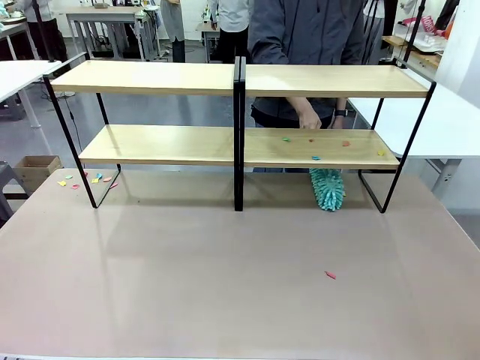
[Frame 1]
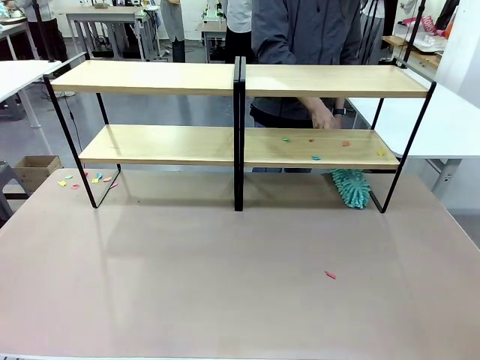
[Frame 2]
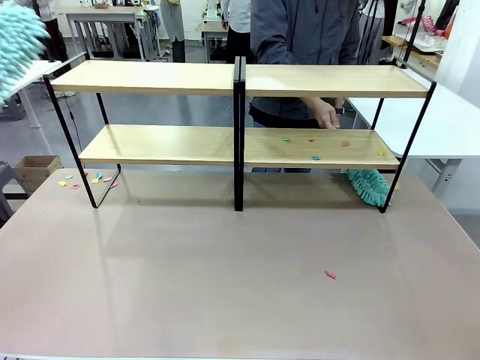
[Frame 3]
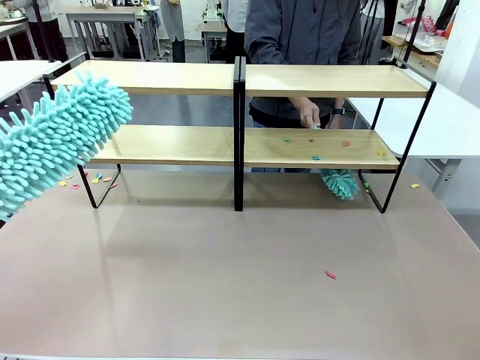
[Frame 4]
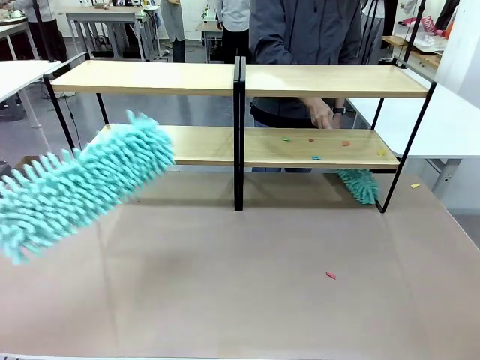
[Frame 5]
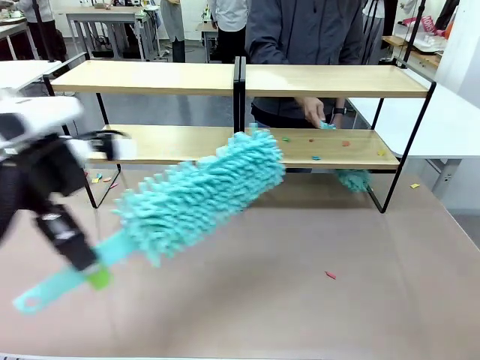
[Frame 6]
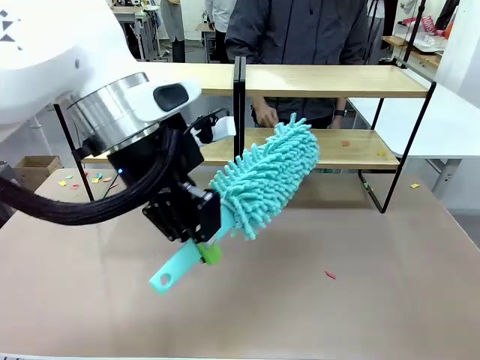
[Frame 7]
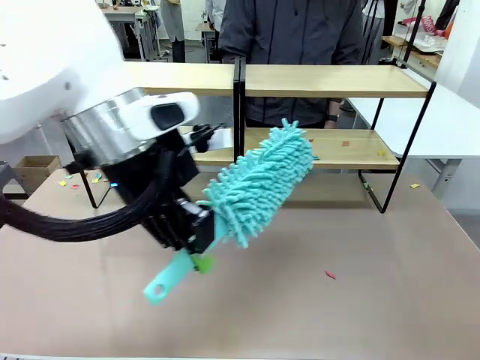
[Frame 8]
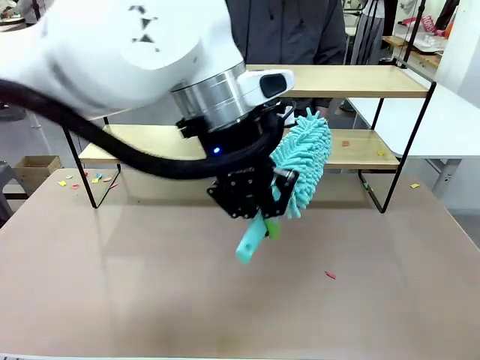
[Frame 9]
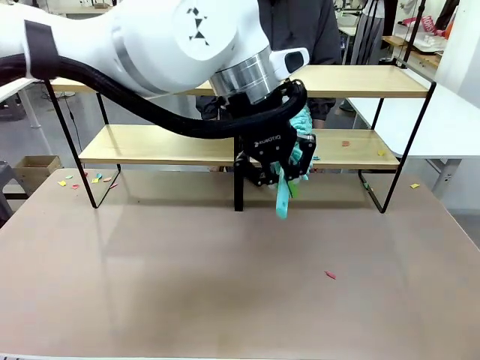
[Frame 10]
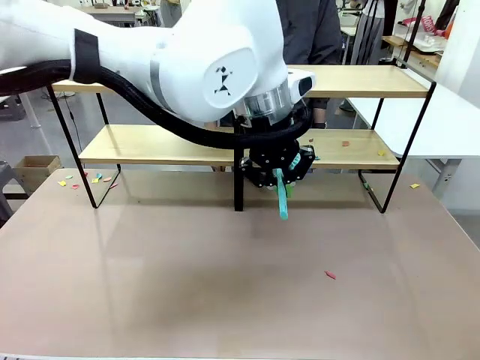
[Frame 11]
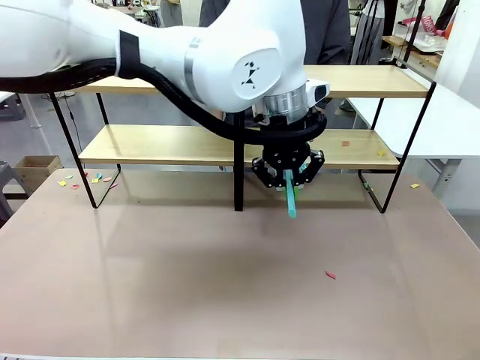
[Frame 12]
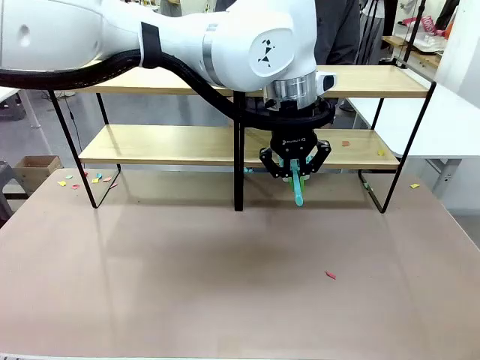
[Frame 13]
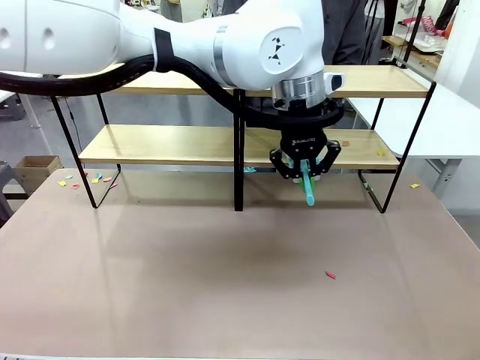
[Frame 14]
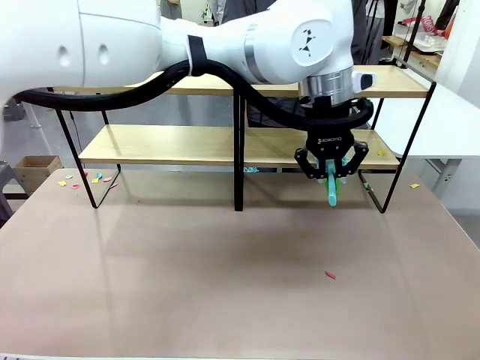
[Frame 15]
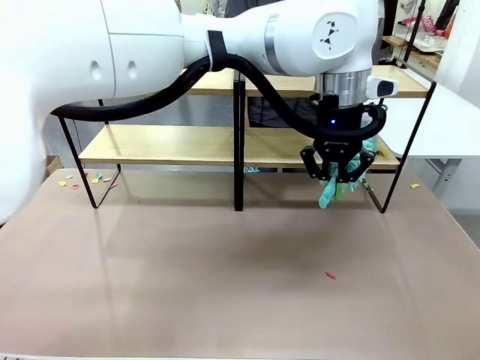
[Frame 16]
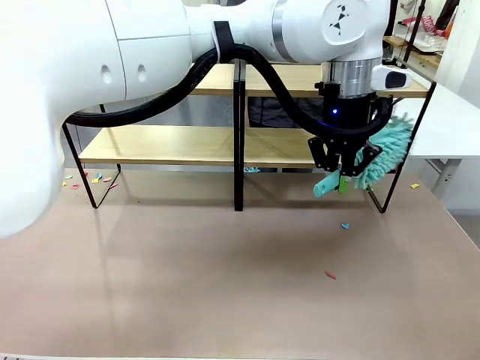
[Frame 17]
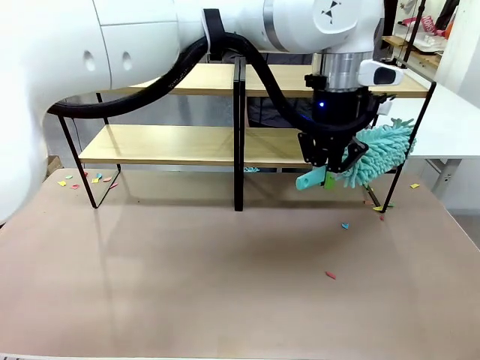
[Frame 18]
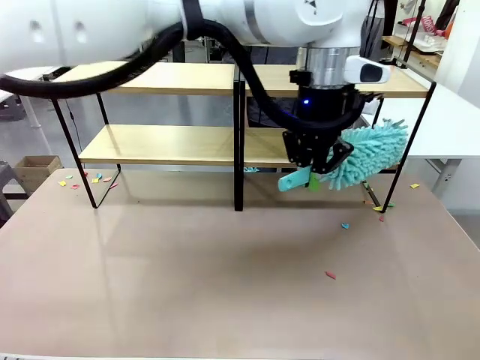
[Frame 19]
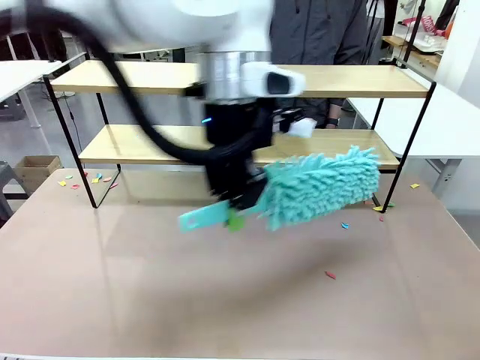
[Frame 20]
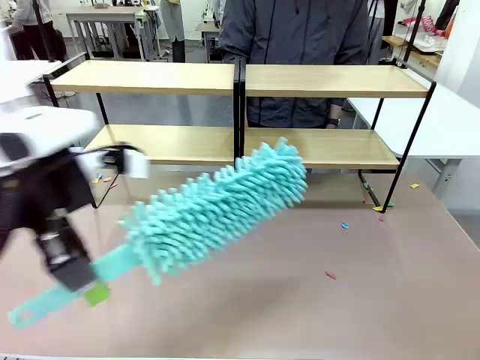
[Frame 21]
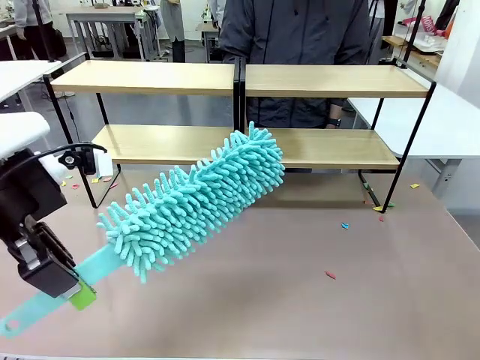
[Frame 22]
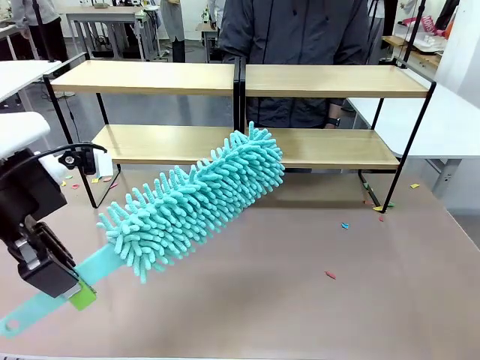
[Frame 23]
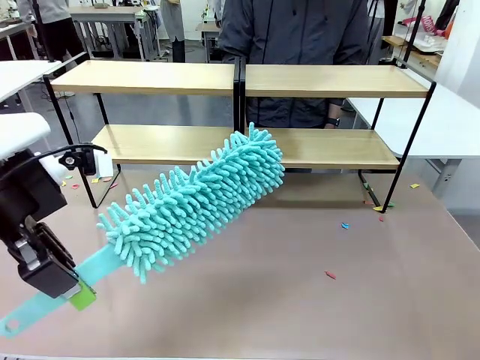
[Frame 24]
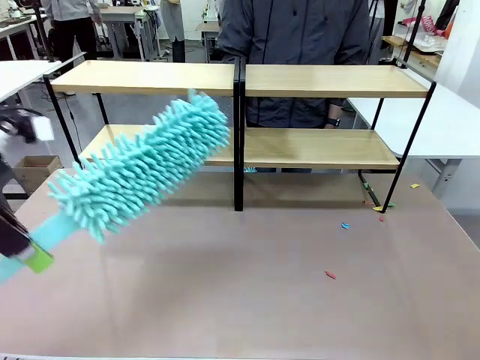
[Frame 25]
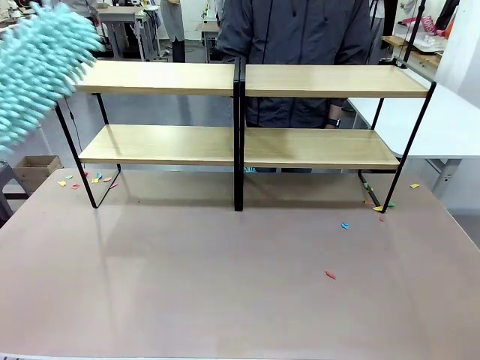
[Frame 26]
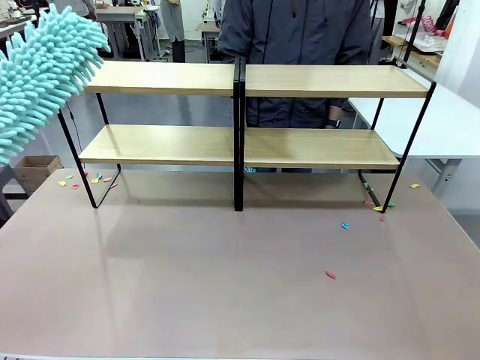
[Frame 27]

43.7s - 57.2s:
Task: Clean the shelves.
Robot: Clean another randomly selected level of the Shelf with the Duster.

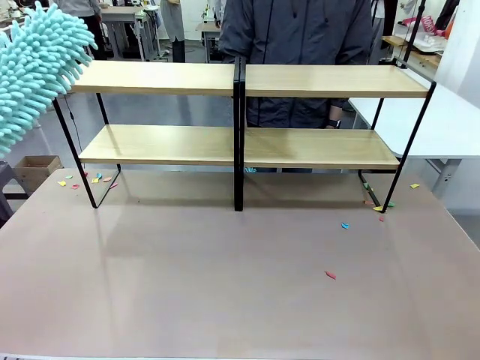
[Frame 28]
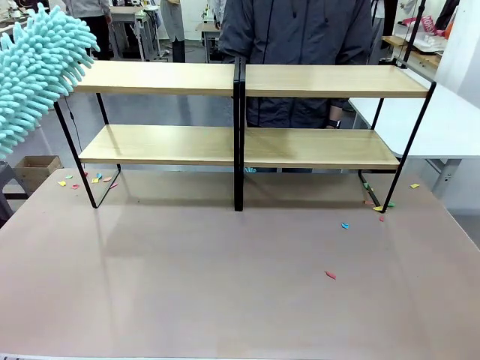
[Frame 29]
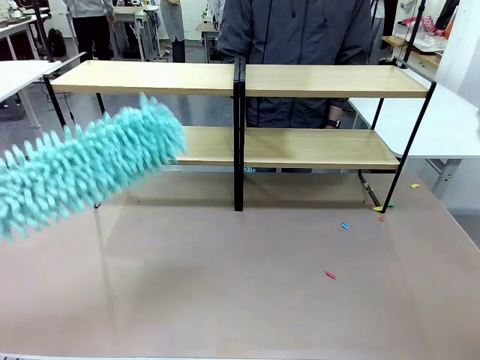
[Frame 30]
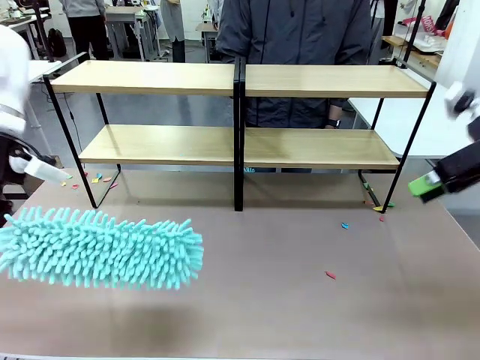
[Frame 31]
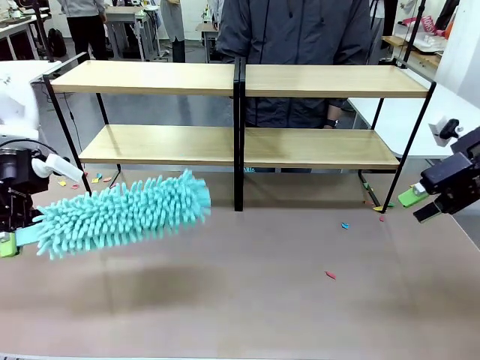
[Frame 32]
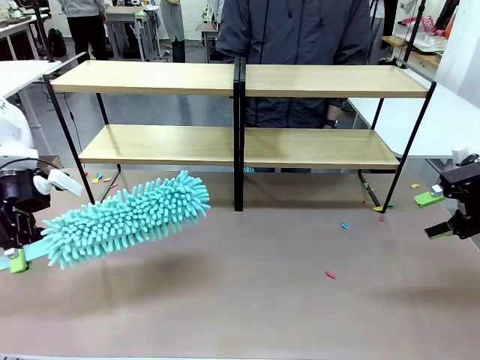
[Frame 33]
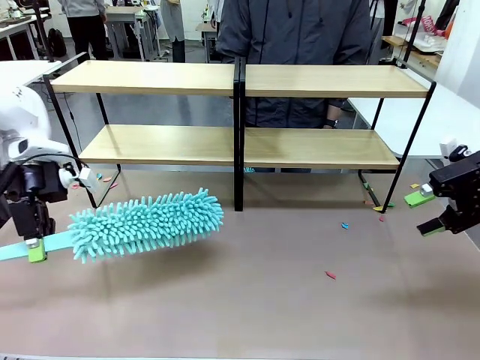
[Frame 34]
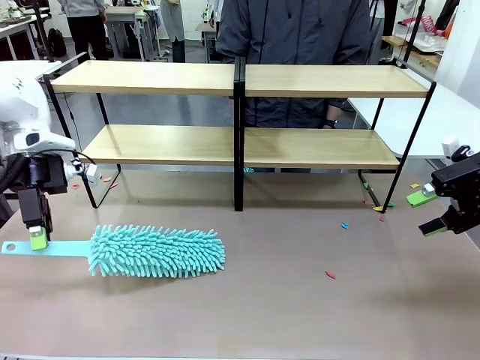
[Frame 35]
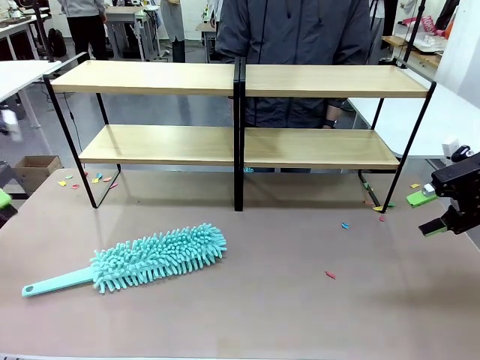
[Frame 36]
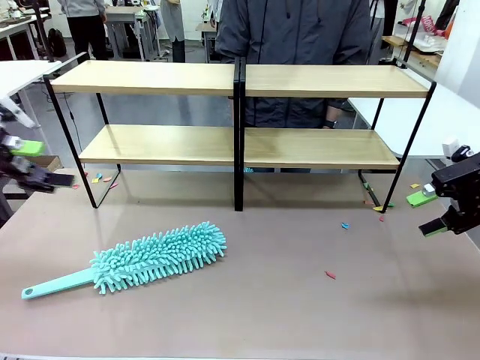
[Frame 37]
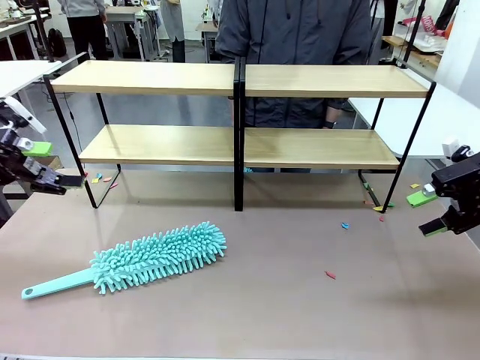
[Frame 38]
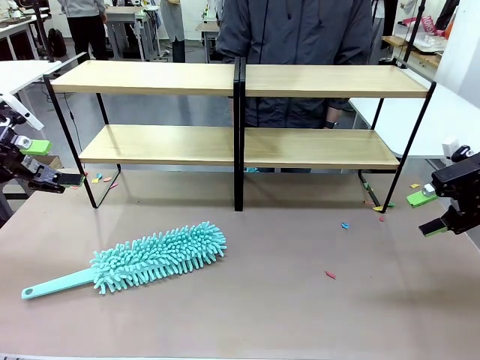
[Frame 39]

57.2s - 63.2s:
Robot: Place the Duster on the table.

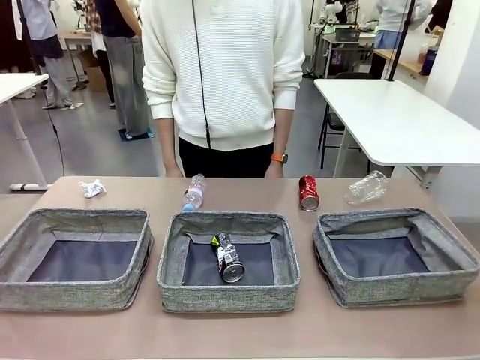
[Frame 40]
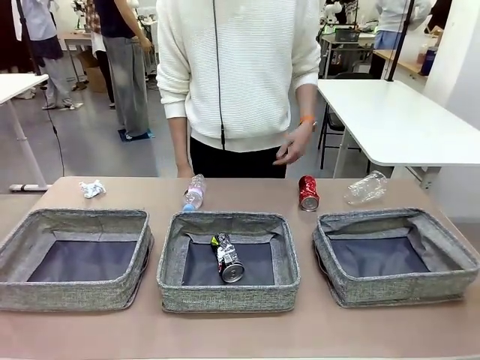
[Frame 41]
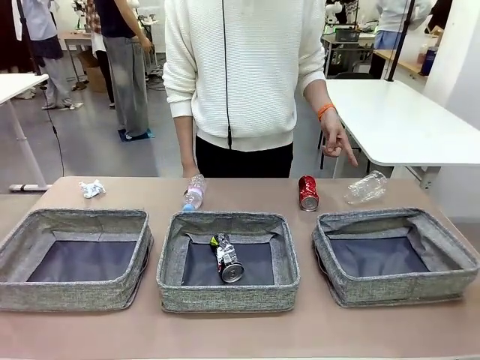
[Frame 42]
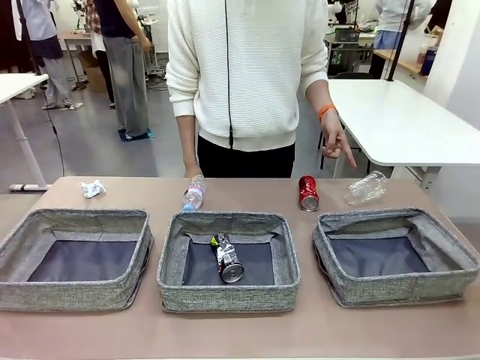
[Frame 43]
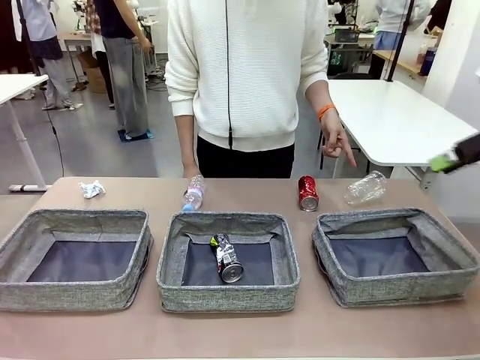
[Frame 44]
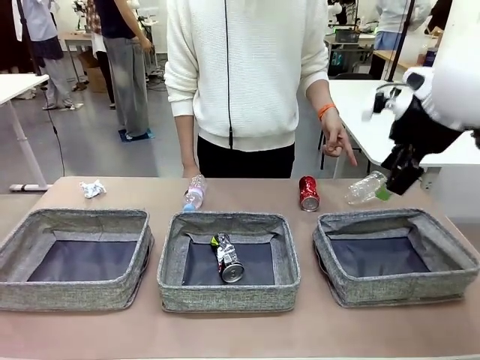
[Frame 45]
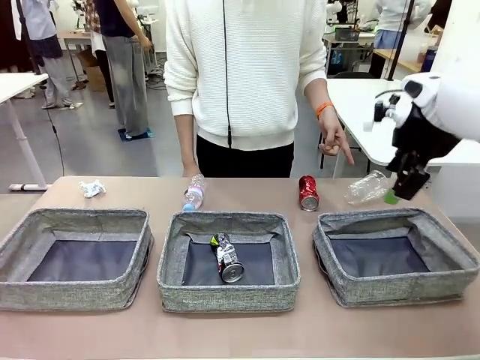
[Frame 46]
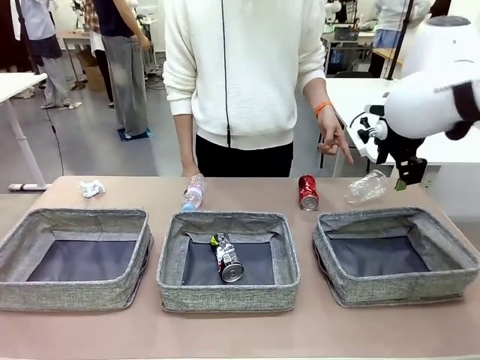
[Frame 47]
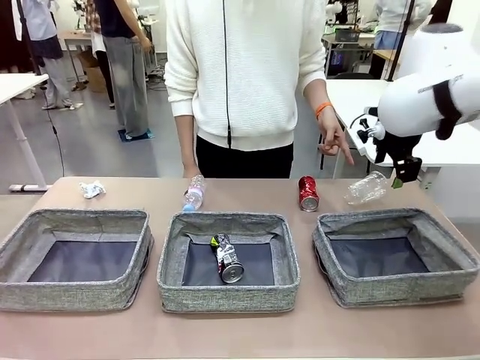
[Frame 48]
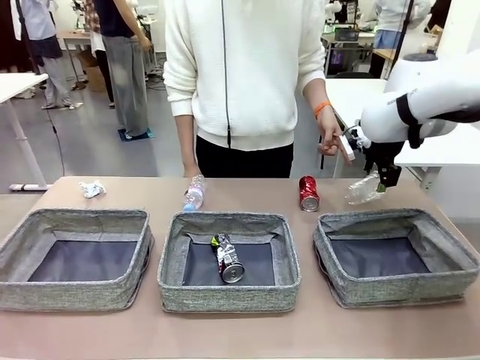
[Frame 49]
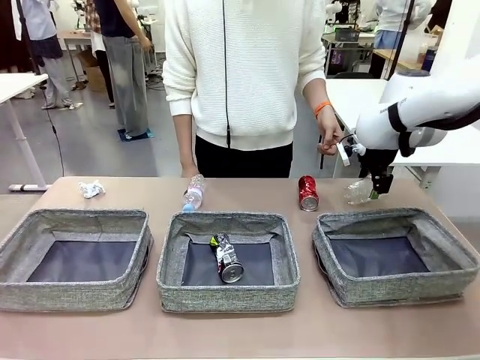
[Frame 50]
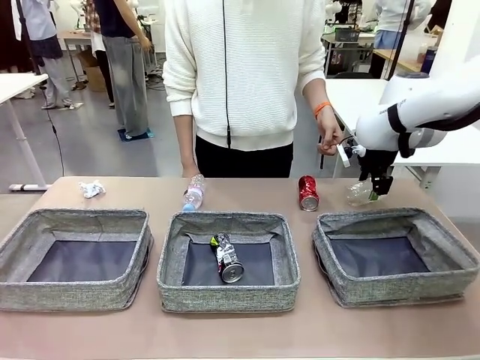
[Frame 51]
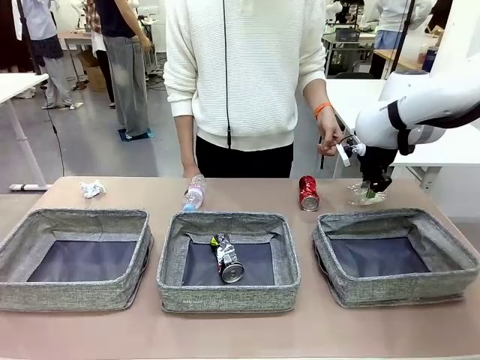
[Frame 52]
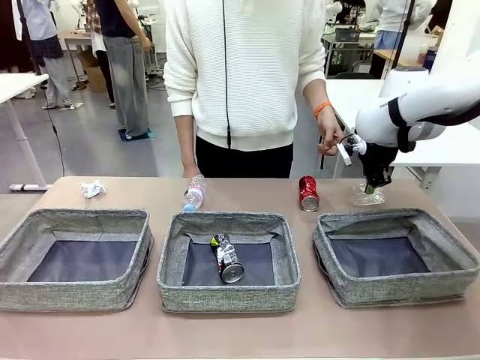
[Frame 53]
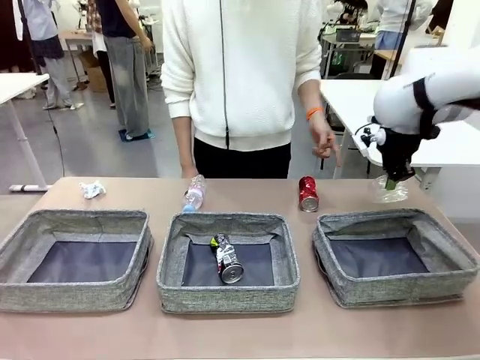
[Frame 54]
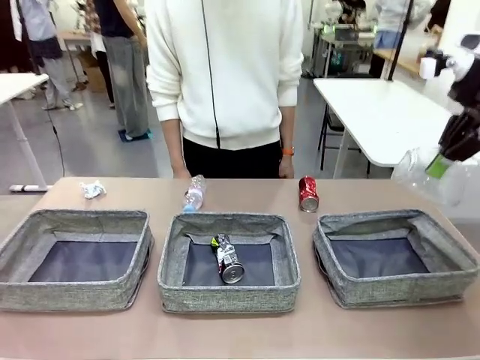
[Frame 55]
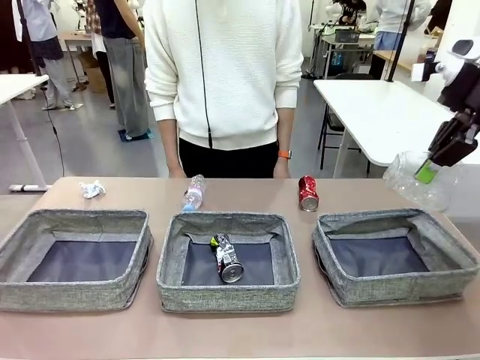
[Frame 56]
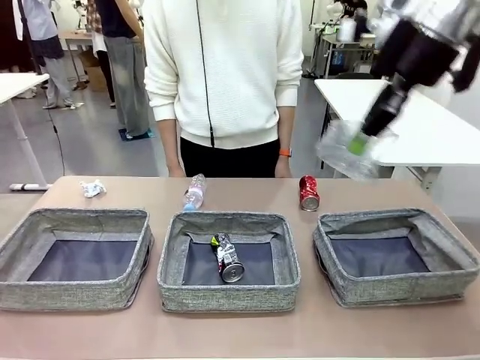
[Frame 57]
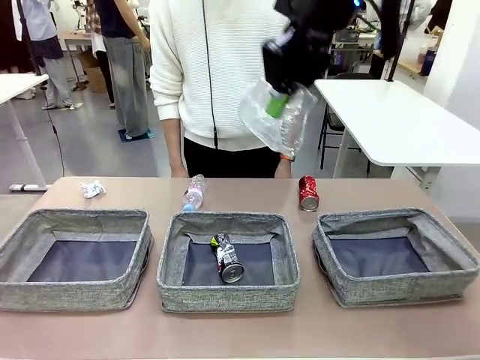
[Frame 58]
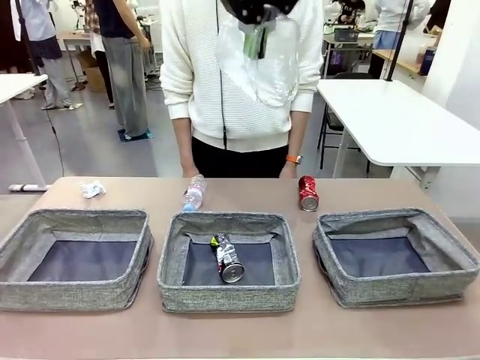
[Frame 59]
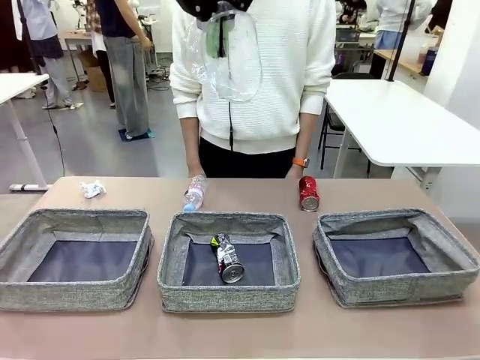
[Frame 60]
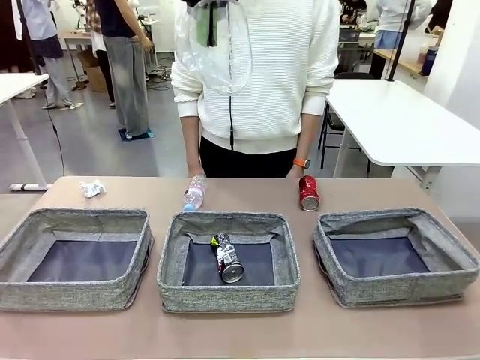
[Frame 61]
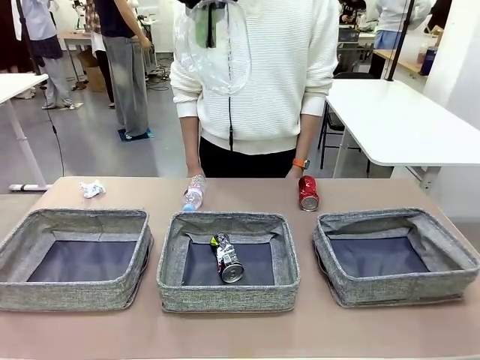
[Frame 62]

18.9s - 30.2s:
Task: Sort the waste into the appropriate baskets.
Robot: Pick up the waste item pointed out by the person.
Person: Points to one piece of trash on the table.
